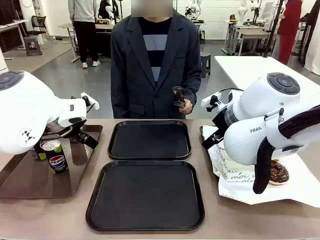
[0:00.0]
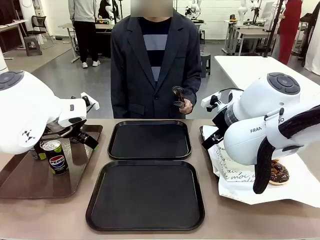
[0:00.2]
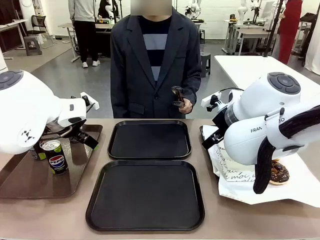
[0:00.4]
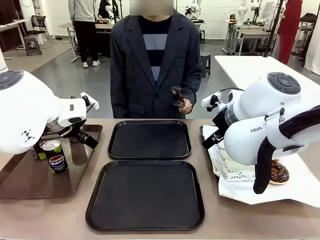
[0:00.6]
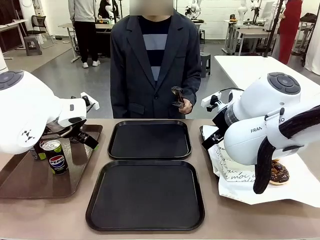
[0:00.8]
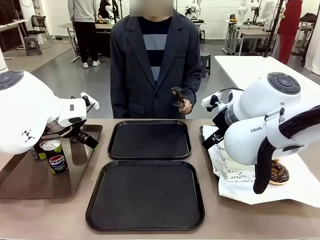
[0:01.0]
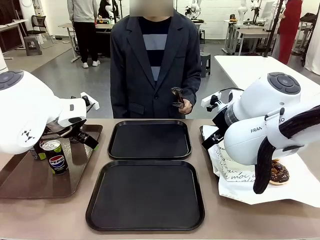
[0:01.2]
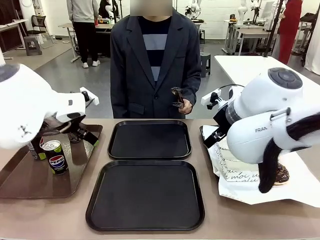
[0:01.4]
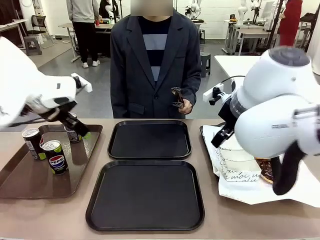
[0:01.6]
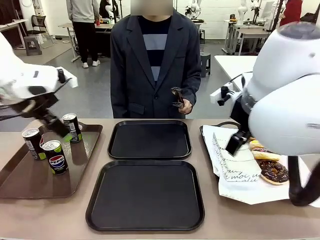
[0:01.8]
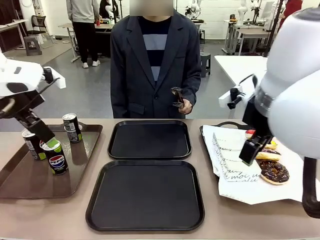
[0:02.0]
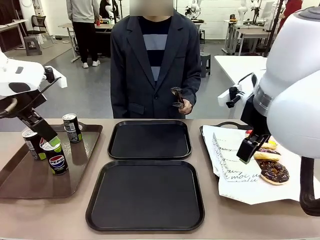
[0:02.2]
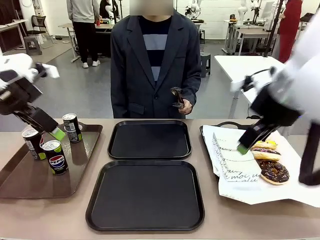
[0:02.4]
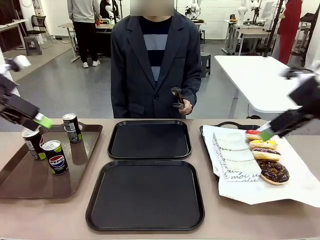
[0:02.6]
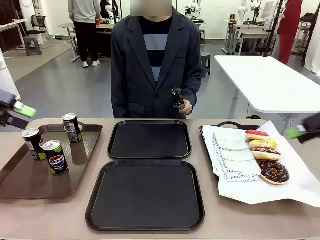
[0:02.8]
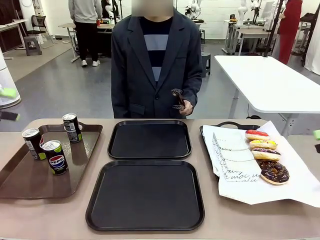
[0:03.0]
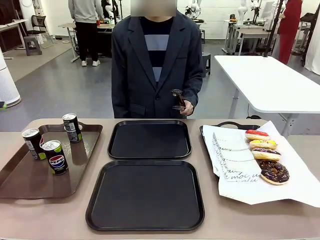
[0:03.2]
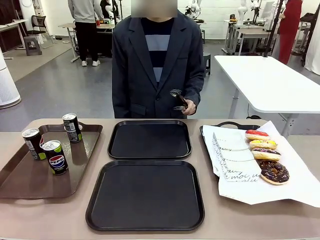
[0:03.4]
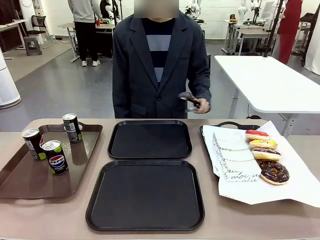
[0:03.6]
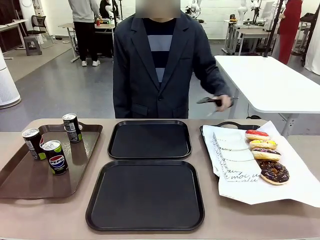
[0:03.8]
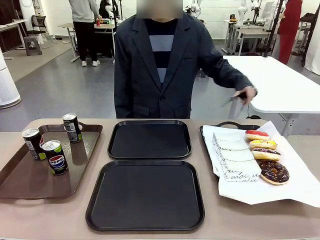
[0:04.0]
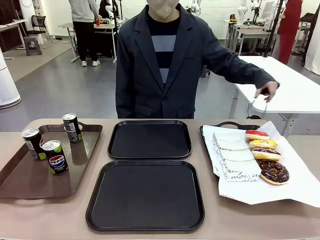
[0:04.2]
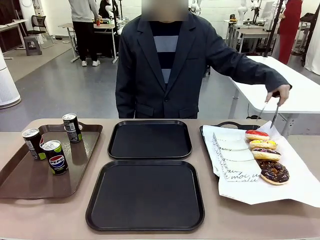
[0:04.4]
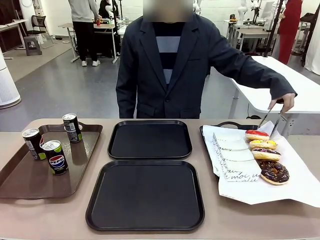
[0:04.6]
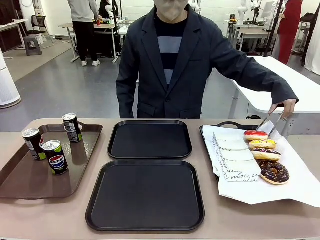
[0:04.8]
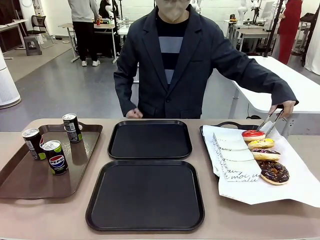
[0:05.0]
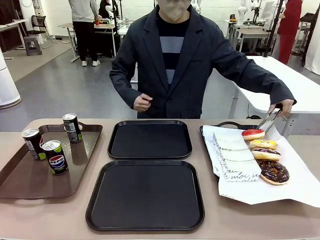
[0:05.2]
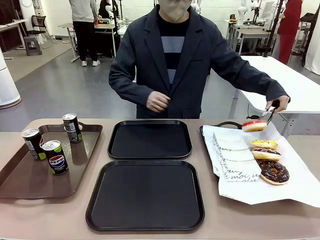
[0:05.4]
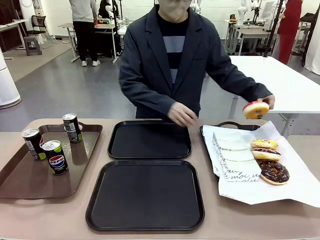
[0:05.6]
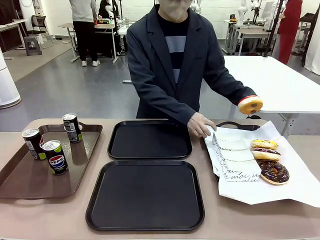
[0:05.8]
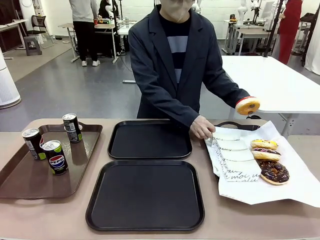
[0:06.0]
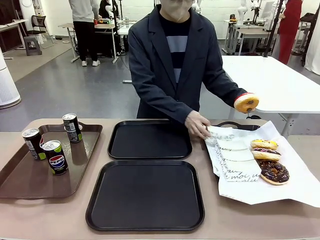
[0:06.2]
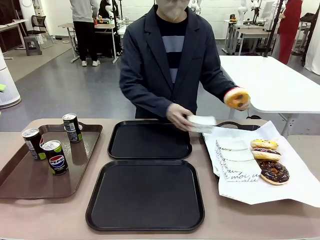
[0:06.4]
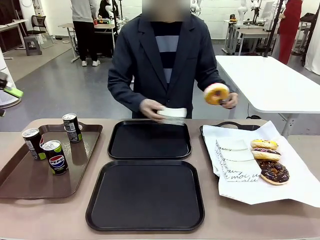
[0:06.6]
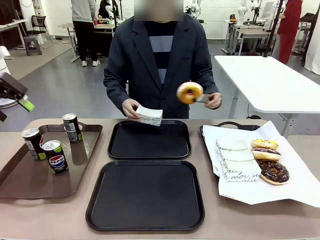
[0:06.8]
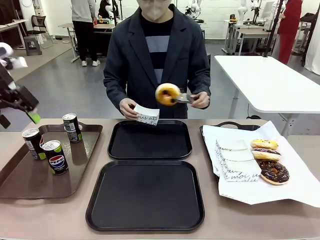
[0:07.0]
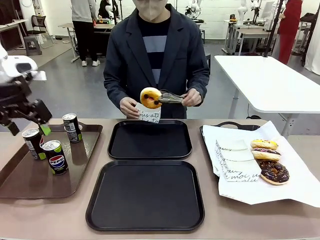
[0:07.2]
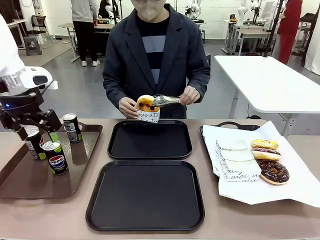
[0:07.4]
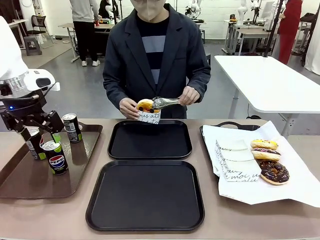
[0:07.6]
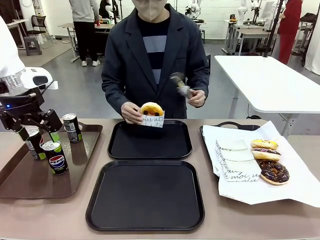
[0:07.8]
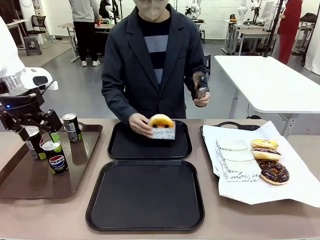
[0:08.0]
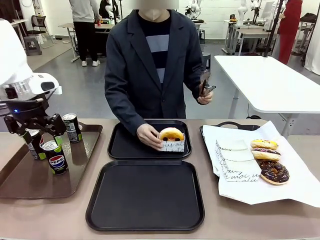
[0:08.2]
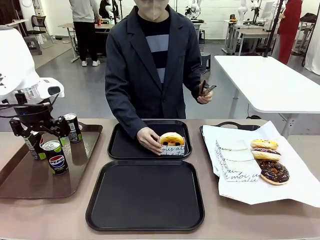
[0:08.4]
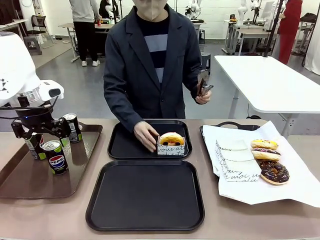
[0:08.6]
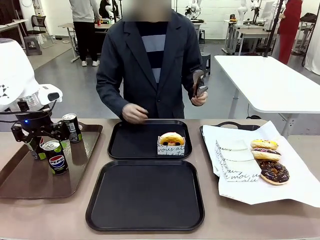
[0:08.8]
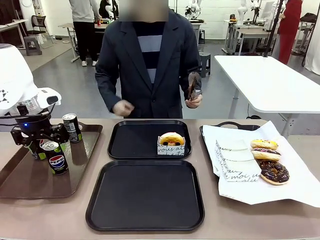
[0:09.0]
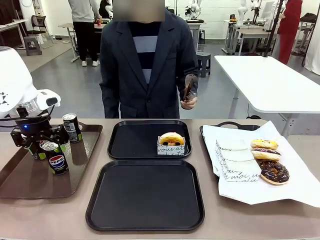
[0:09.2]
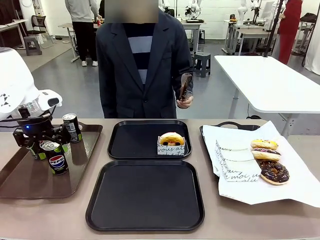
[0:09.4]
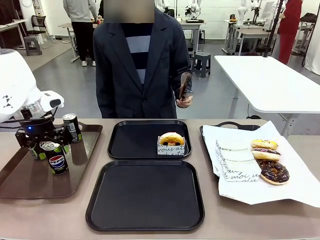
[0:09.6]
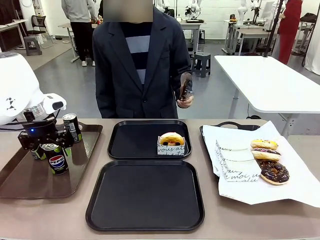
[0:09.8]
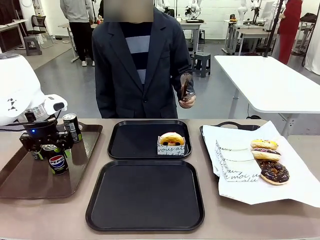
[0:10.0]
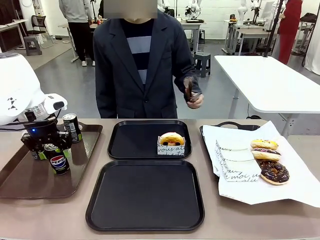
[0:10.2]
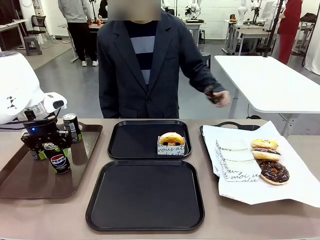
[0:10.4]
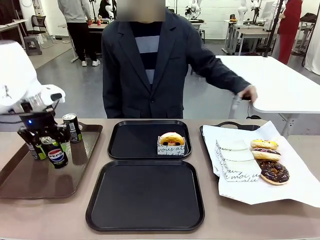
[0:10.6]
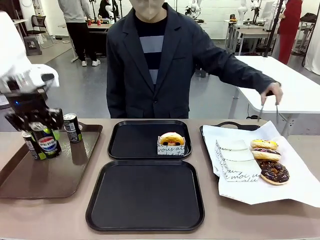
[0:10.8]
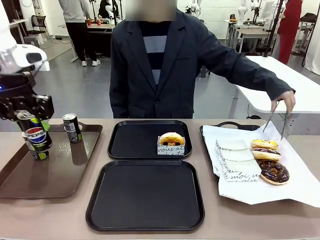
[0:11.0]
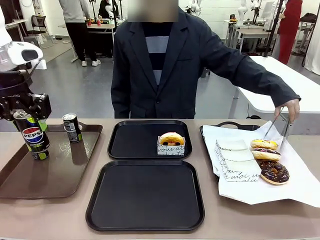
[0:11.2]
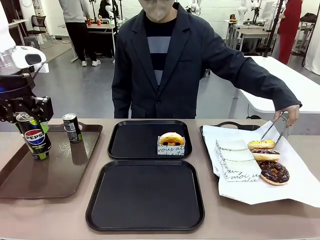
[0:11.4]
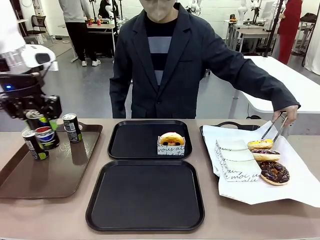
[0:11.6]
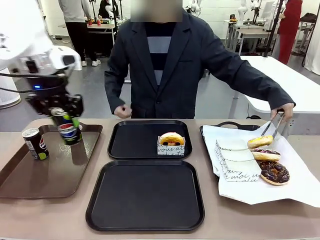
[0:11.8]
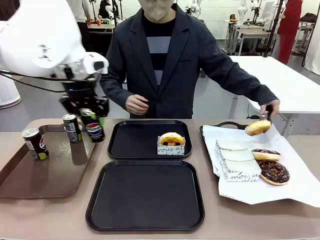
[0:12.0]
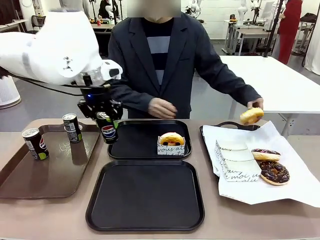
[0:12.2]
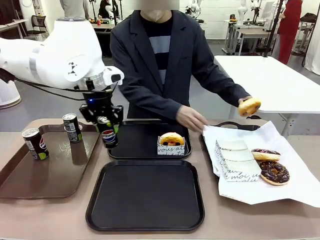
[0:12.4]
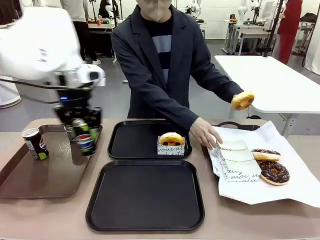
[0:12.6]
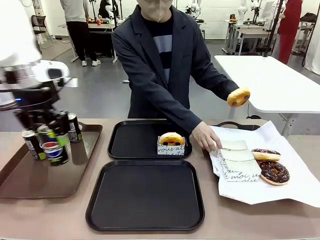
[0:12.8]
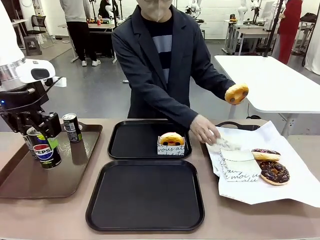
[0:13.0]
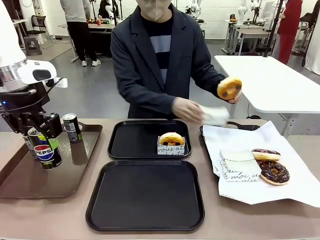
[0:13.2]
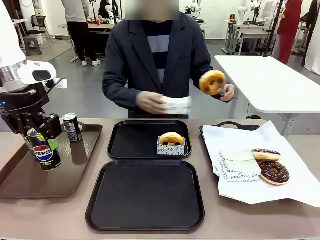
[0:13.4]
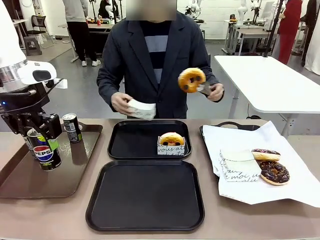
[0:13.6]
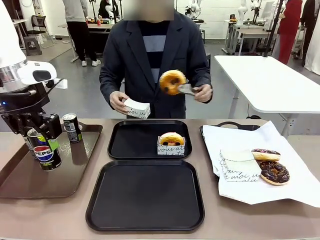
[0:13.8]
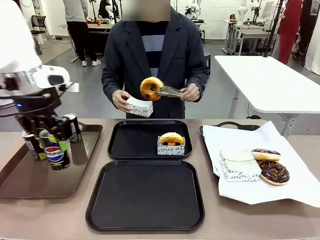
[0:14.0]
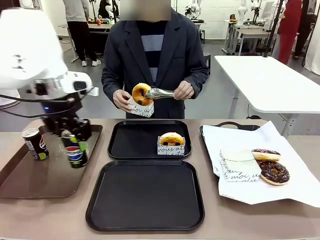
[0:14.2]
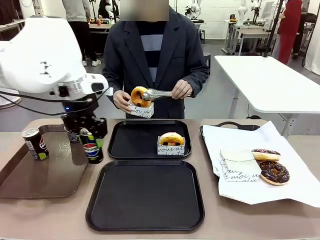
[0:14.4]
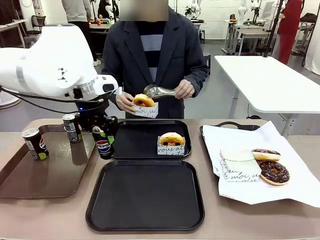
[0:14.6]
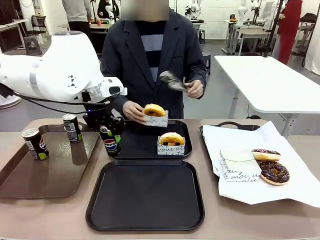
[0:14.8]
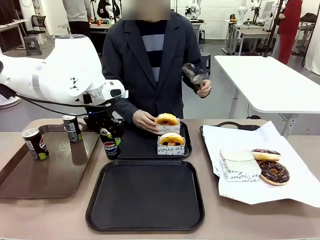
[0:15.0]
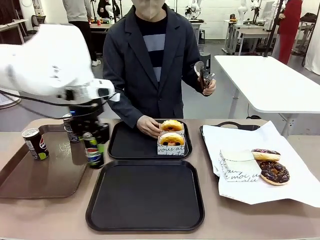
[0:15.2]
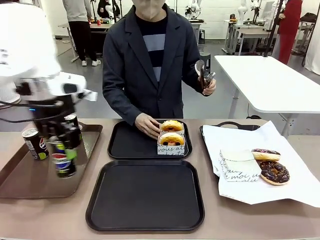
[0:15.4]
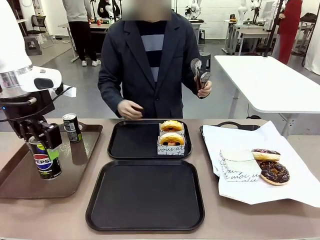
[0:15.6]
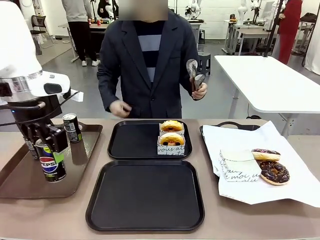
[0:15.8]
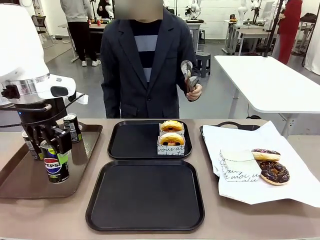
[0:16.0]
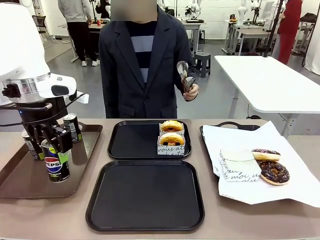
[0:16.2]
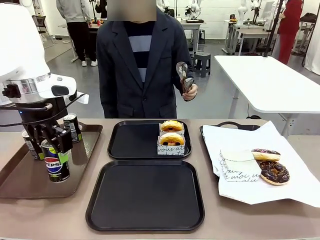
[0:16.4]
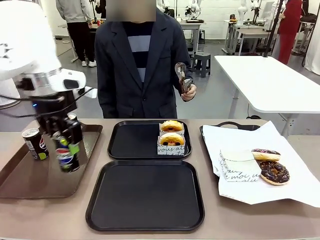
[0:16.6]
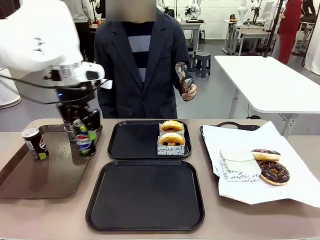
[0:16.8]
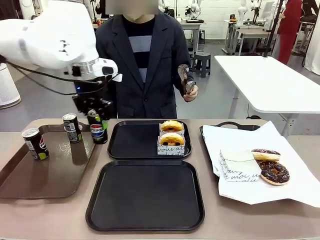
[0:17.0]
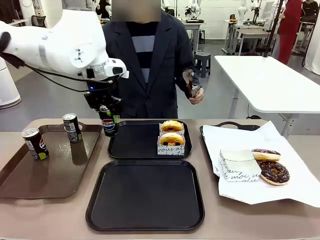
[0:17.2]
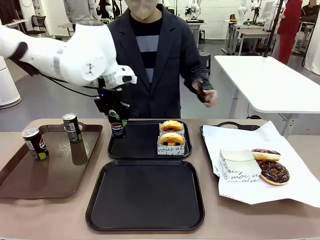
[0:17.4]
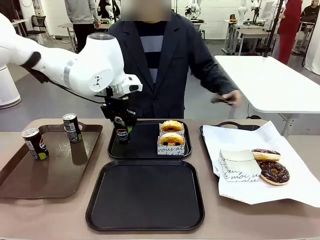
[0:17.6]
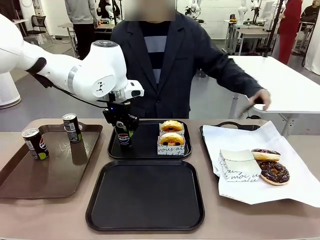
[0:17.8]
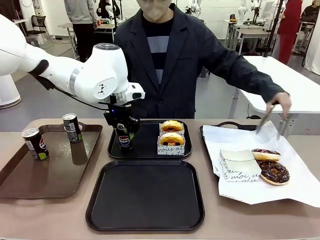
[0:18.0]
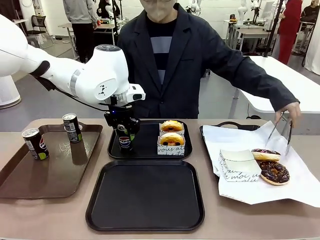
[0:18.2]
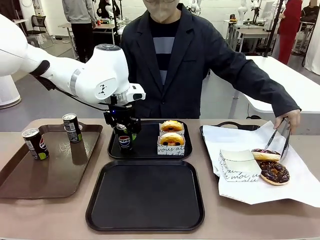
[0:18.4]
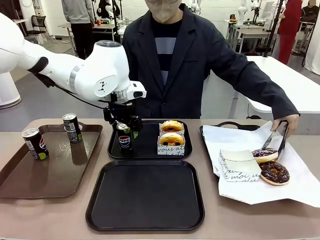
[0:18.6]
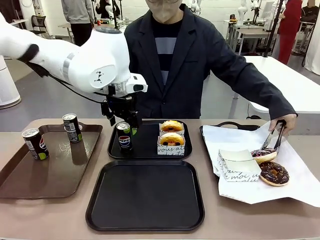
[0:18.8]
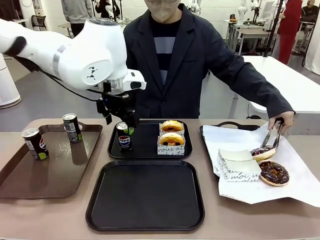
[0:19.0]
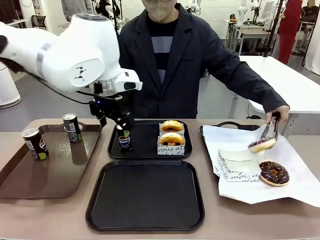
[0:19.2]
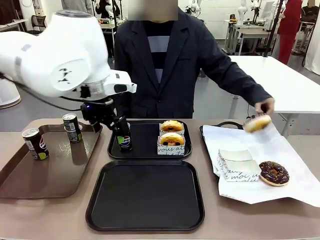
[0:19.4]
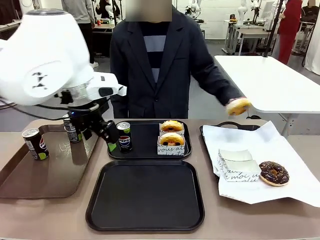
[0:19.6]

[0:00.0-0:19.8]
Task: Set up donuts and drinks on trays.
Robot: Pick up one Pepsi coke and place it on the Flat Tray.
